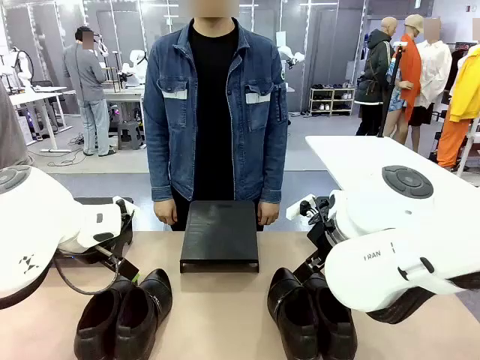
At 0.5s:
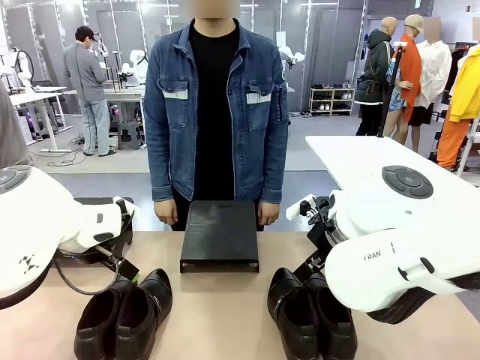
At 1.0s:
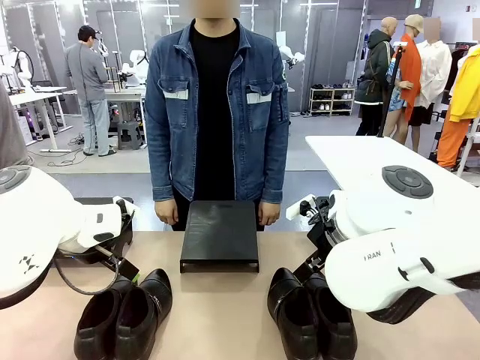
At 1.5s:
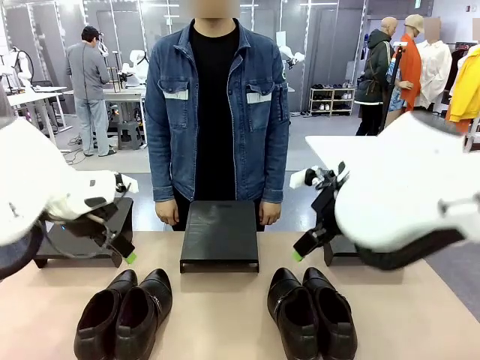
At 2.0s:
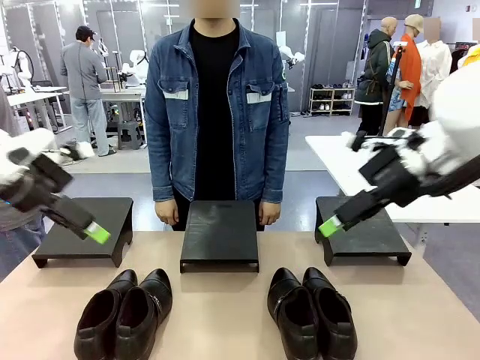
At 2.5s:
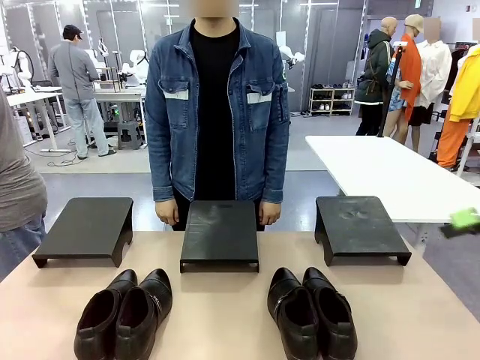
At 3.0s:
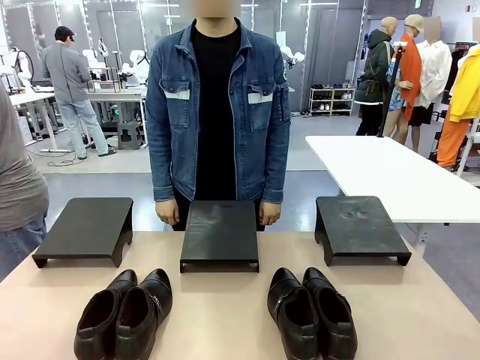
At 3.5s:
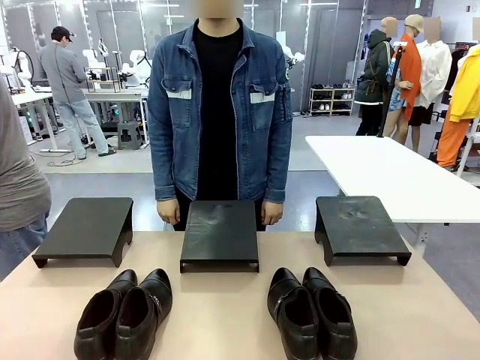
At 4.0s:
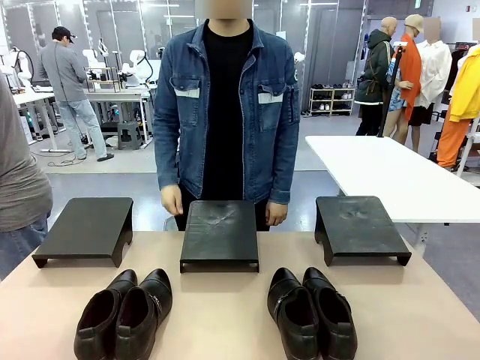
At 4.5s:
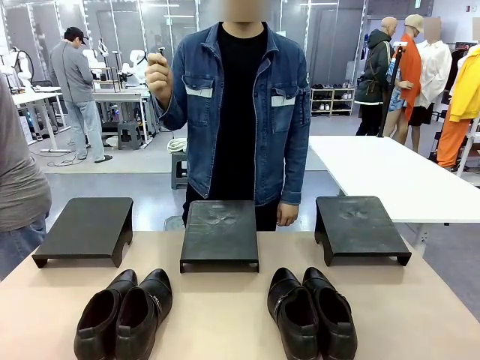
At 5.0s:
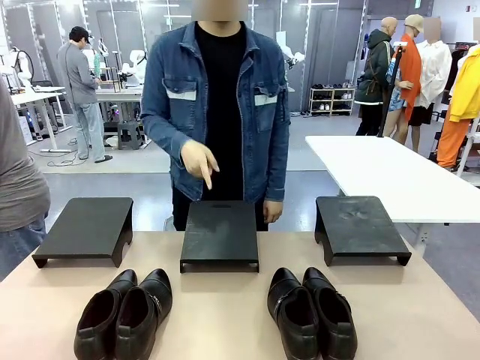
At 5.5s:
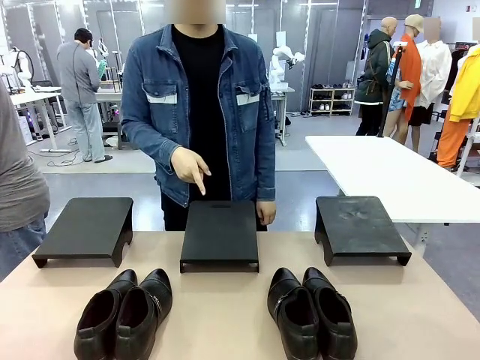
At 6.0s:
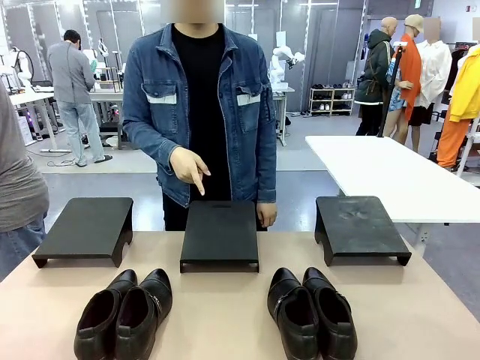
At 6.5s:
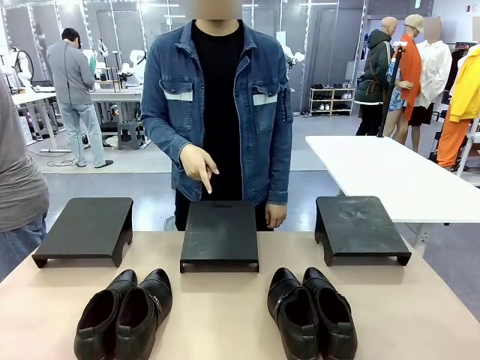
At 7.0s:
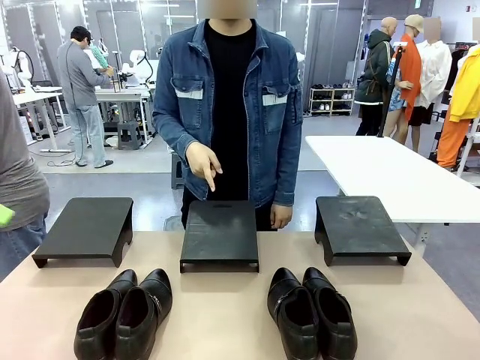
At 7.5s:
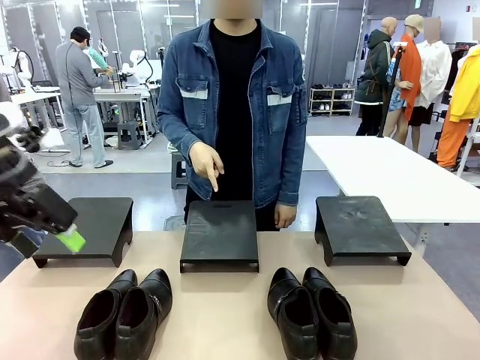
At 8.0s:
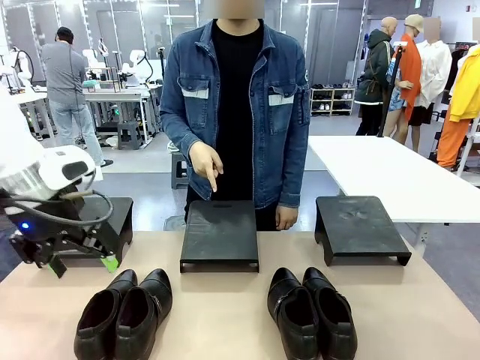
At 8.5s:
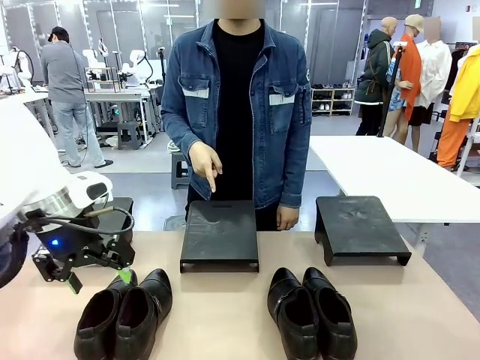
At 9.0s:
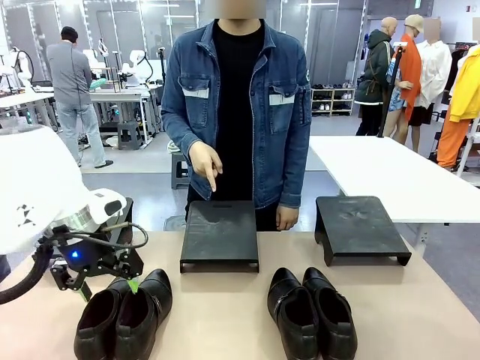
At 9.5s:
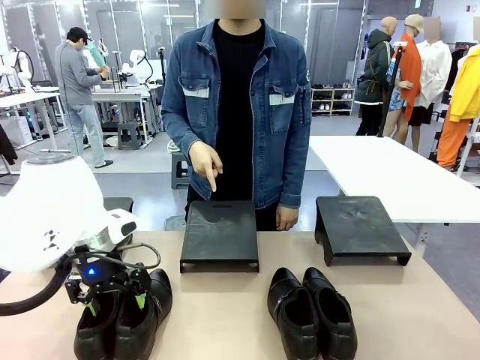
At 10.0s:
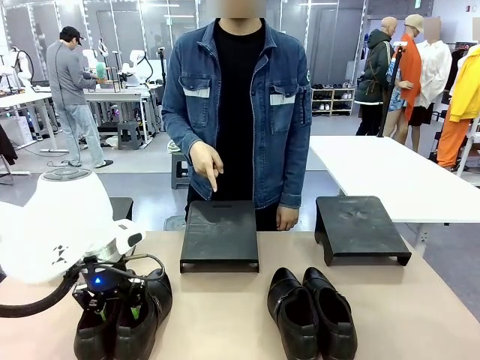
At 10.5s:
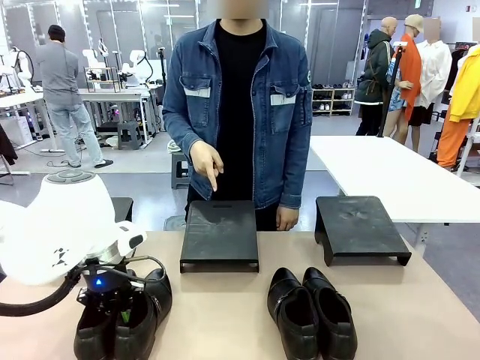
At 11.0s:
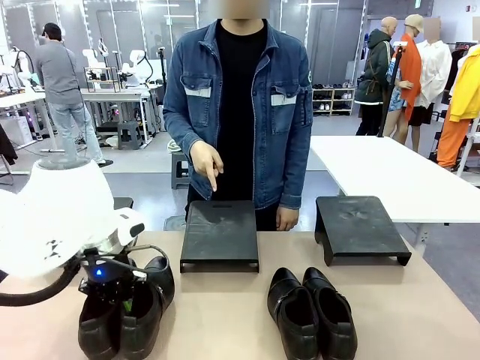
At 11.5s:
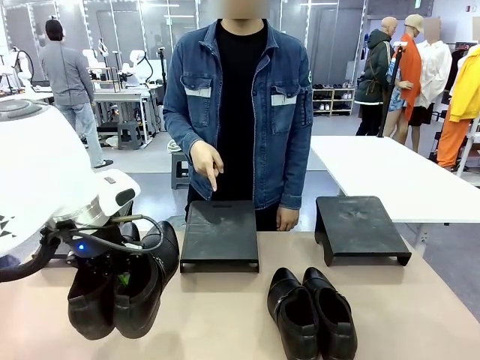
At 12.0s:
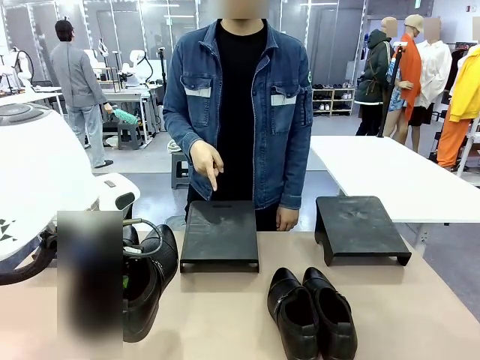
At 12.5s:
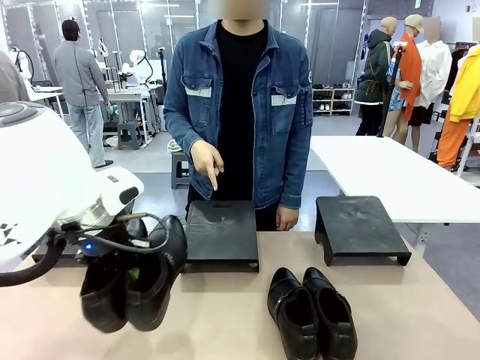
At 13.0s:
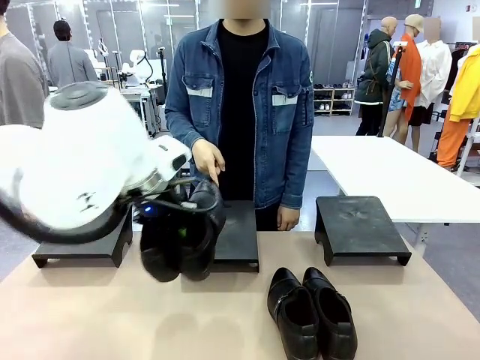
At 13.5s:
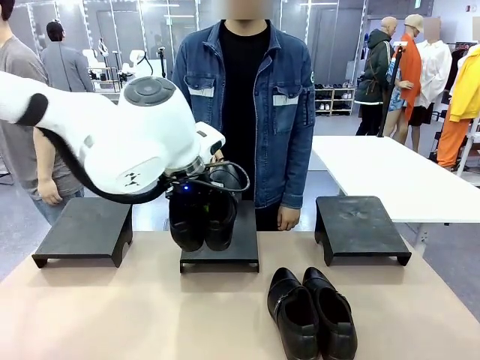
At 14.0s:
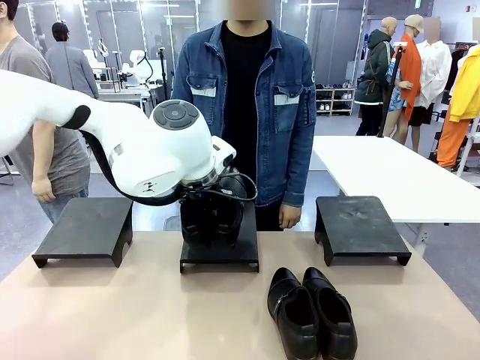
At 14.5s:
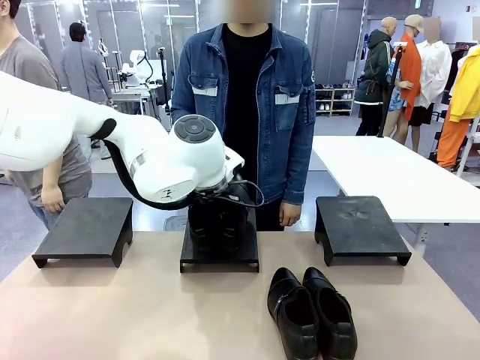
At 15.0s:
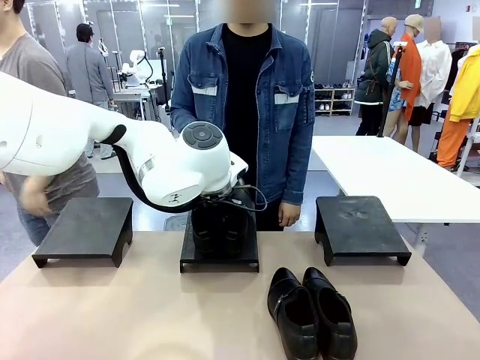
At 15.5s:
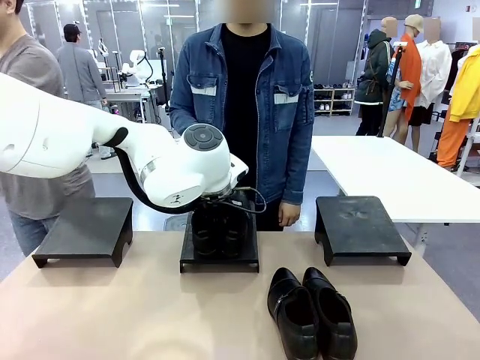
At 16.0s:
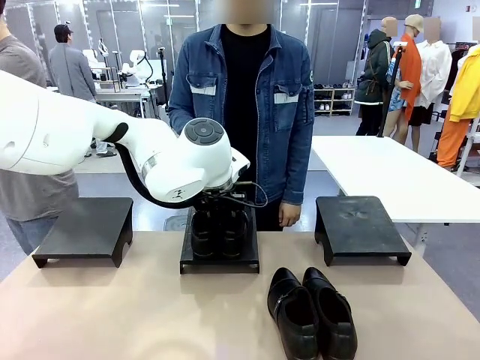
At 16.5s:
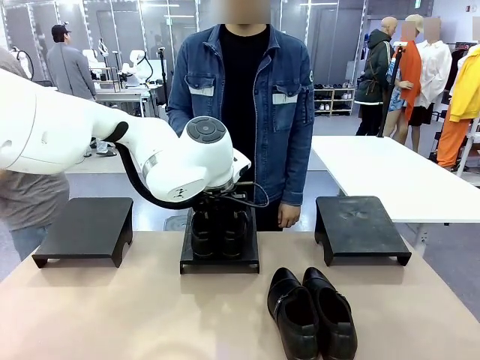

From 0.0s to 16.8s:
Task: Place the shoes on the stand as instructed by the person.
Robot: Pick up one pair of Shoes and place it on the Shoes Stand indicated by the person.
